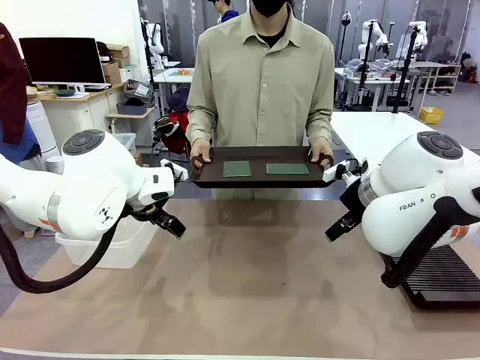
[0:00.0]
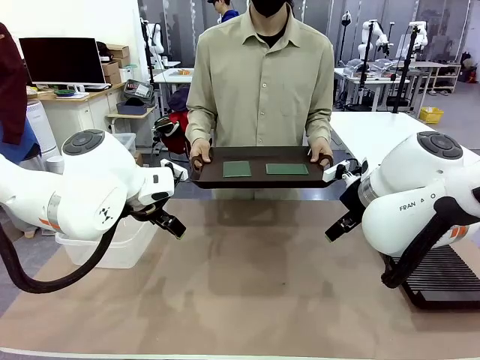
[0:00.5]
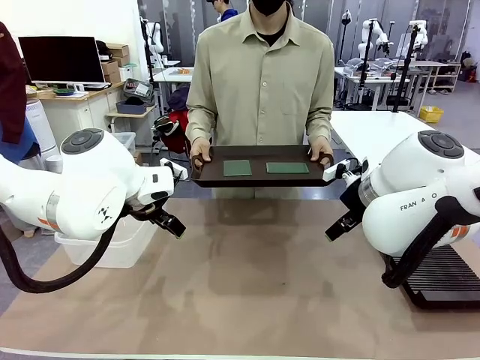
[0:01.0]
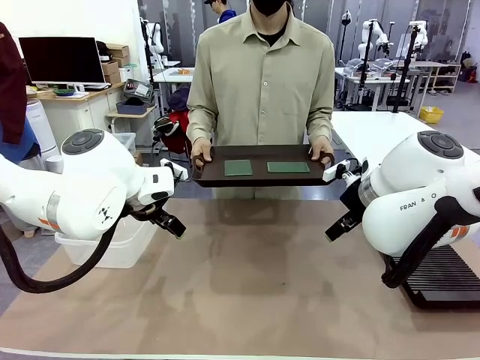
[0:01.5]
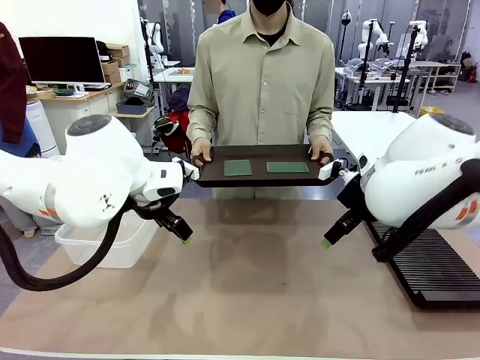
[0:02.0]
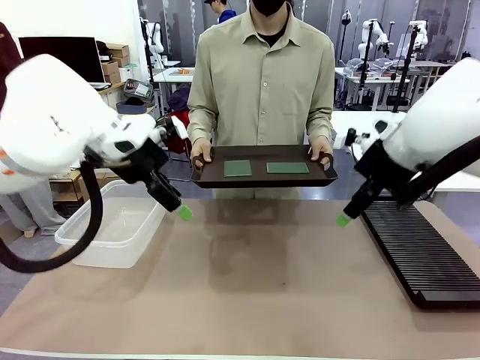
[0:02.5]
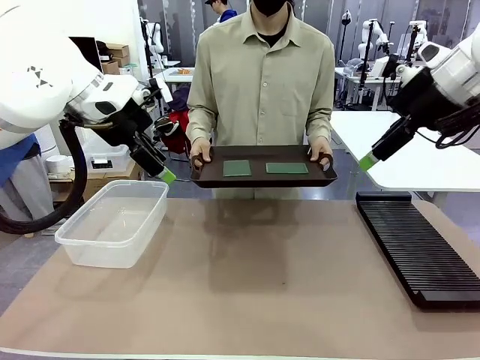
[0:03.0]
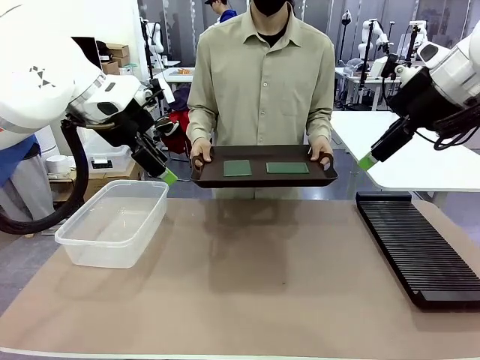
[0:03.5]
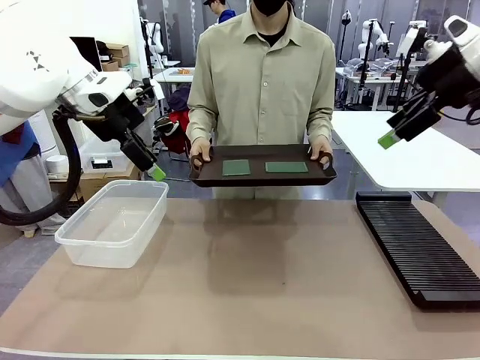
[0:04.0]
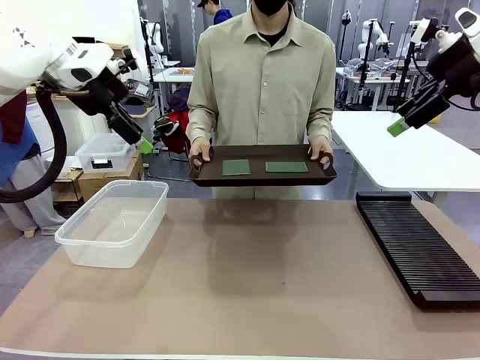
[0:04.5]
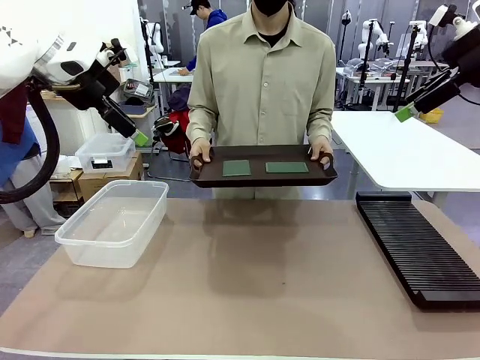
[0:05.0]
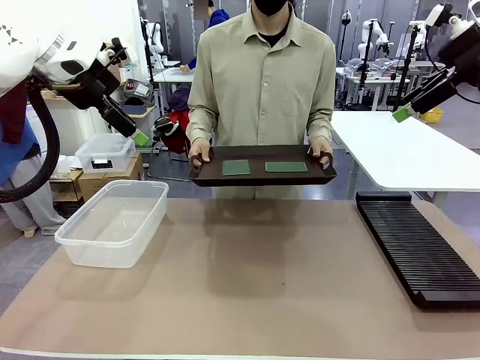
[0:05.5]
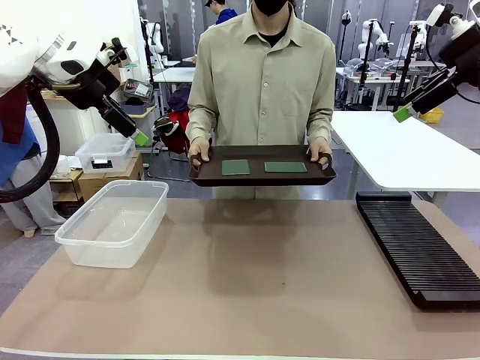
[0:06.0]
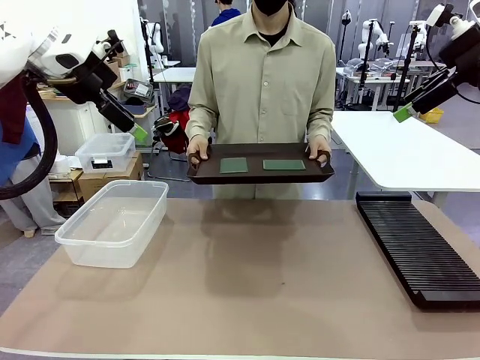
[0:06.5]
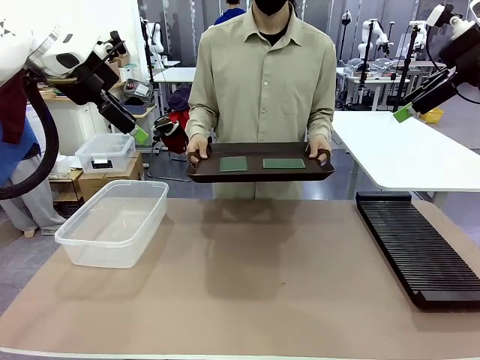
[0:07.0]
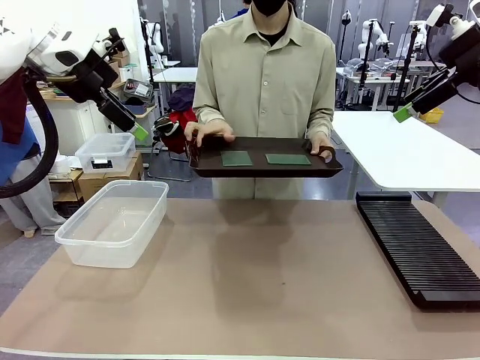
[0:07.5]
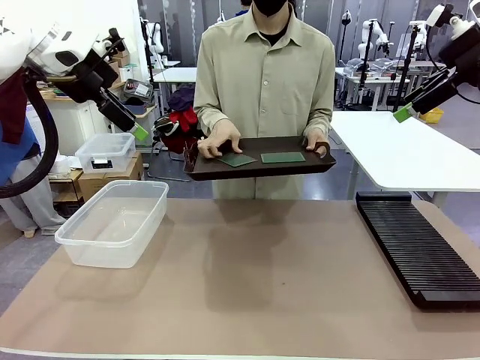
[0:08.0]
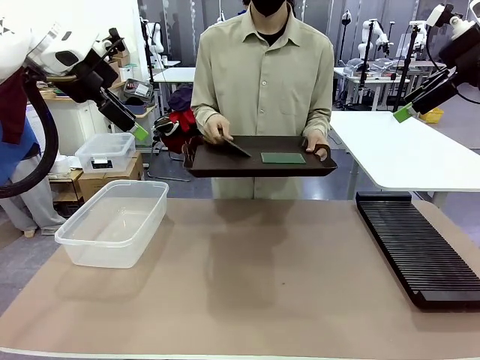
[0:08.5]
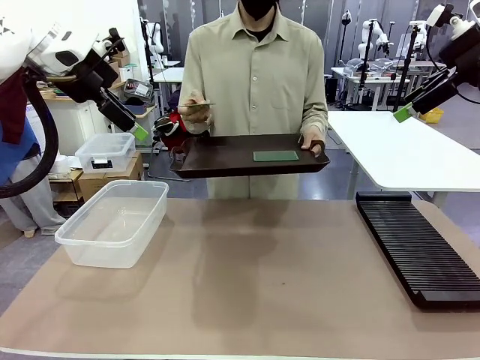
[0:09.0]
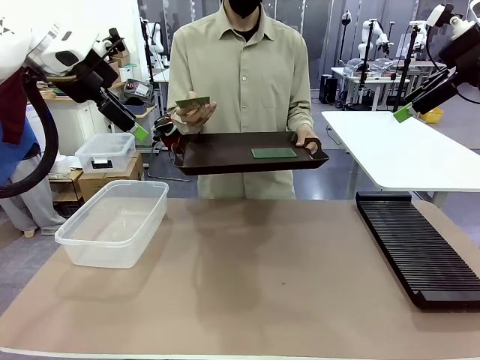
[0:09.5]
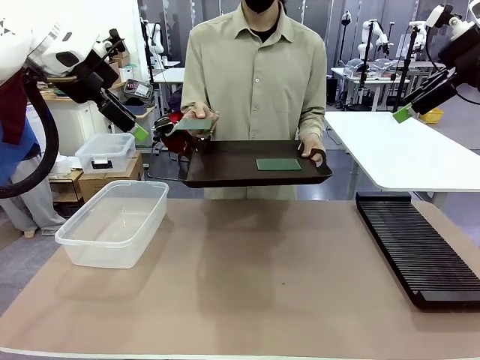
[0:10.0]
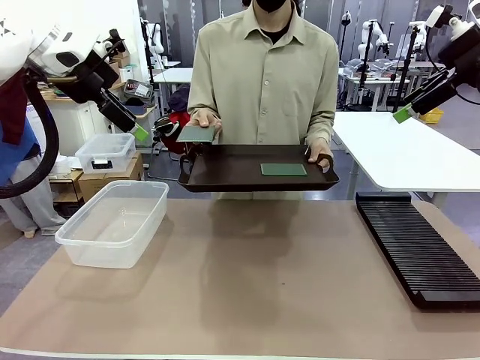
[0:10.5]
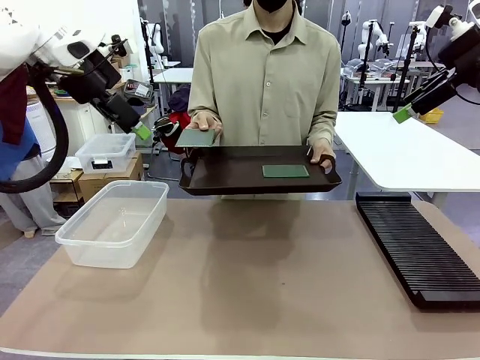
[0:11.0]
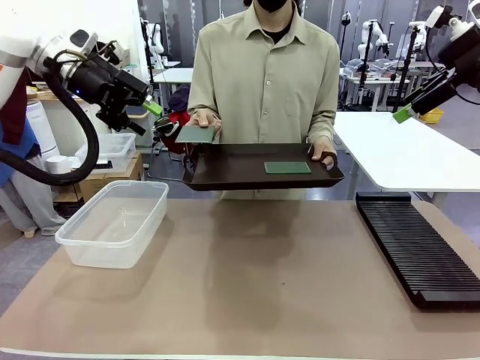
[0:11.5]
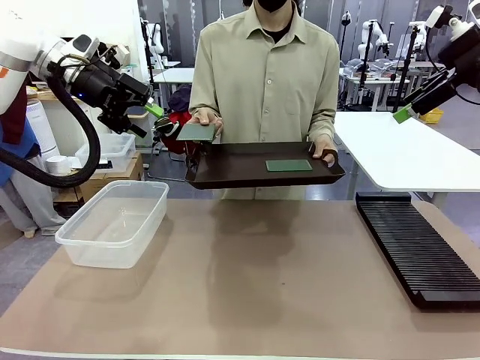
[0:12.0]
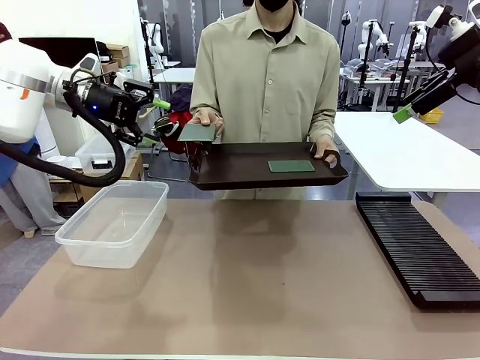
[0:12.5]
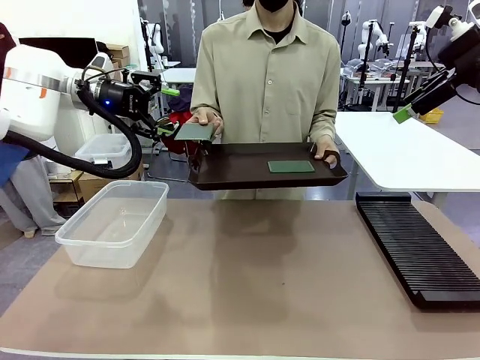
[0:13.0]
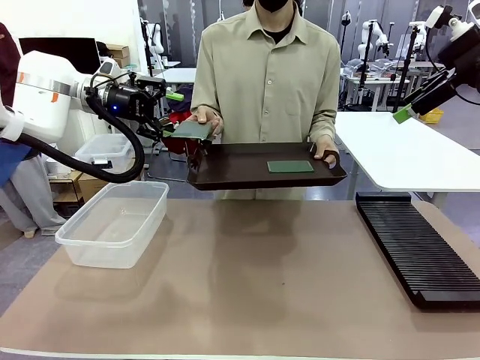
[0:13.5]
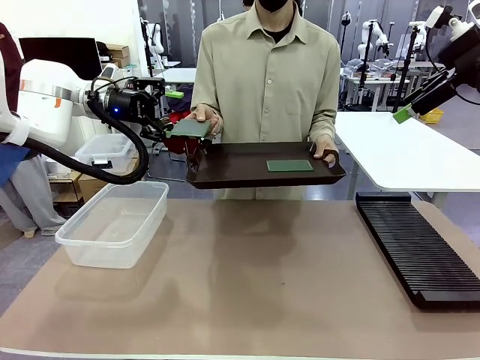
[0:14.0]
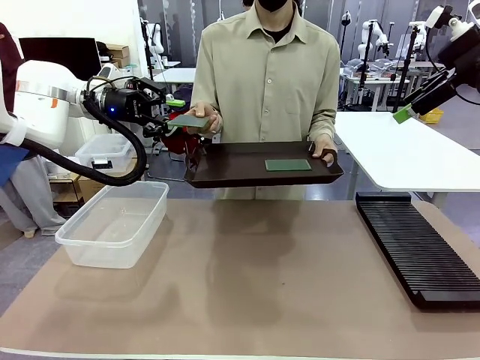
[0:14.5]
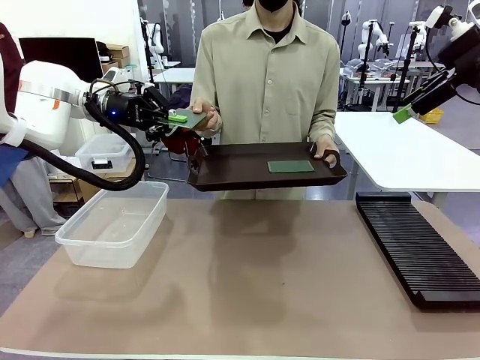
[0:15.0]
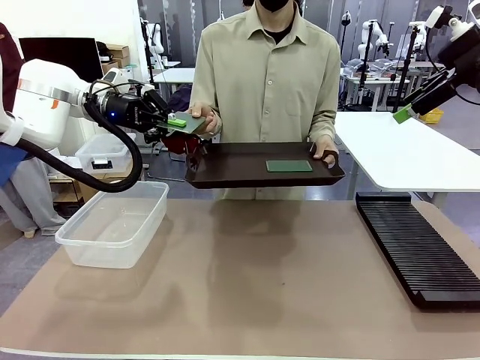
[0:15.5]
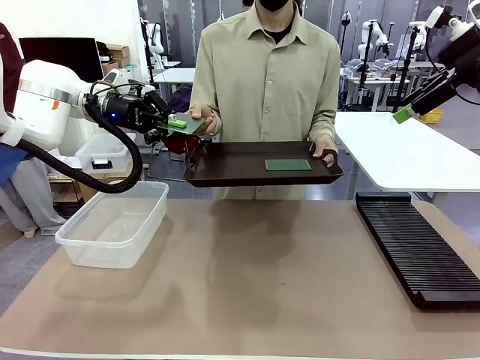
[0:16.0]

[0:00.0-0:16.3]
Task: Sort PCBs into racks and boxes based on the side picked up.
Robot: Pick up the Blank PCB handed by the Human.
Person: Pick one PCB from the tray and present it to the robot. Release the PCB being held.

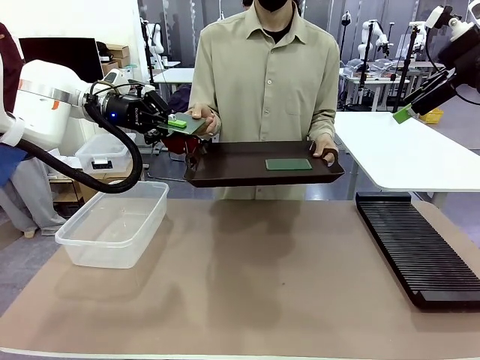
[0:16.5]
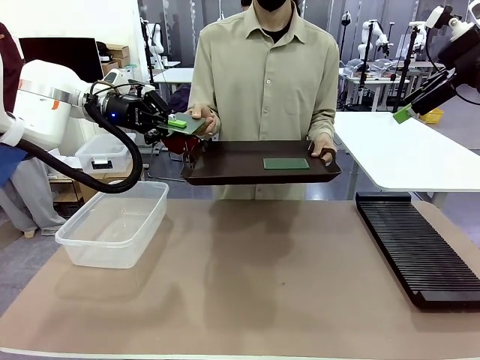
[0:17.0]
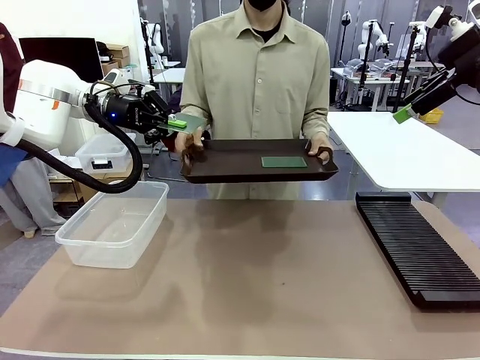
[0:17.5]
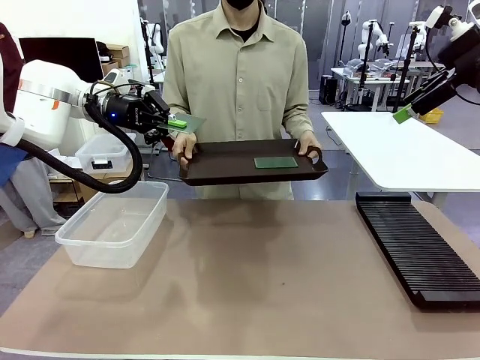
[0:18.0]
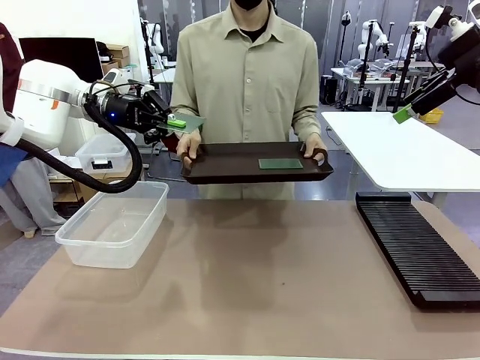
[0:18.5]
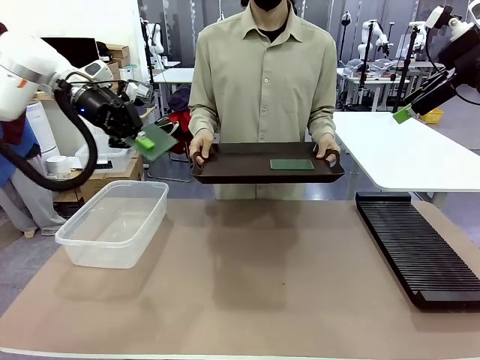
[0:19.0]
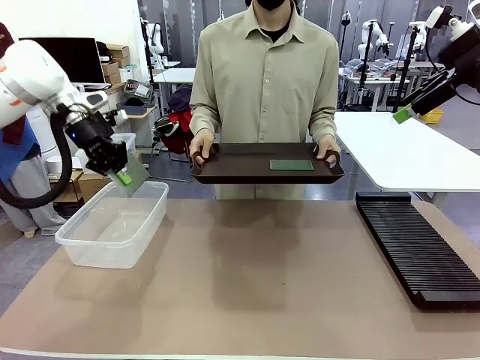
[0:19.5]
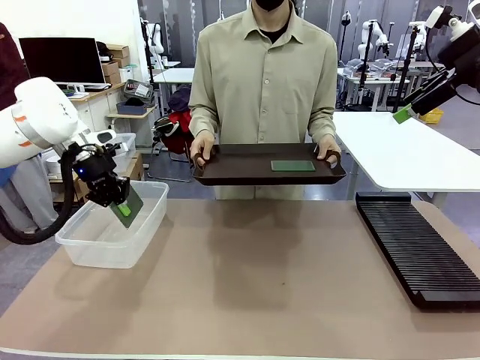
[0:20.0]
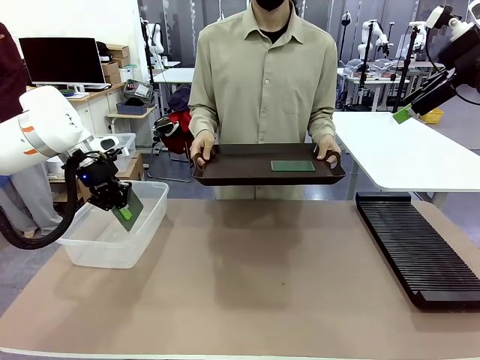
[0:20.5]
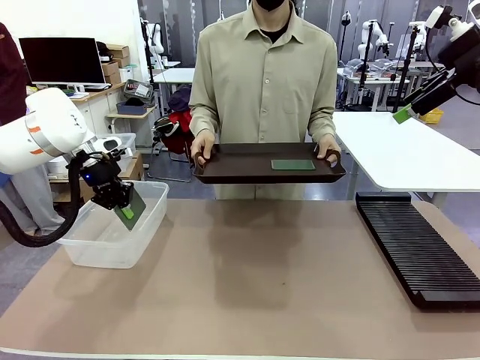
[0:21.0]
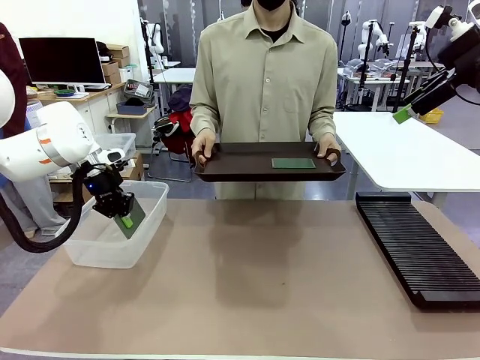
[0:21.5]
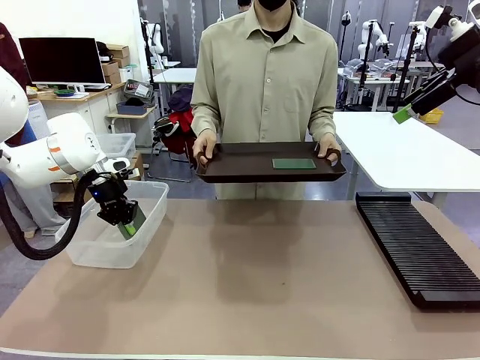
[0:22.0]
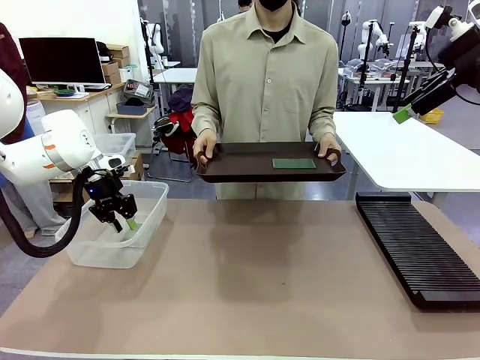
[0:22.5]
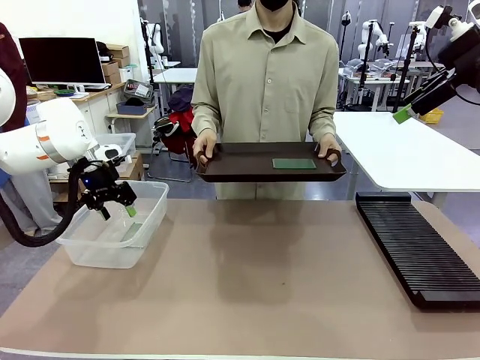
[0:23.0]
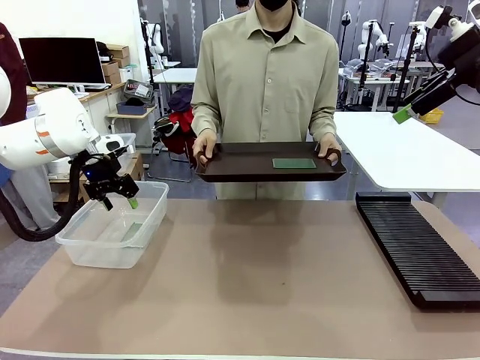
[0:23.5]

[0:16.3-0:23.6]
Robot: If the short side of the Blank PCB is picked up, insert it into the PCB Rack ; if the long side is picked up, place it in the Organizing box.
